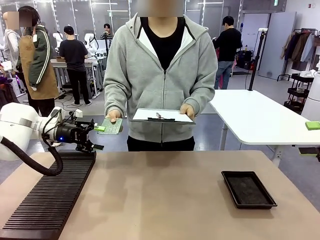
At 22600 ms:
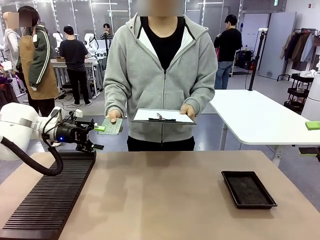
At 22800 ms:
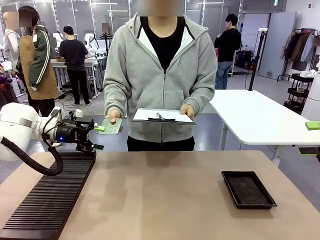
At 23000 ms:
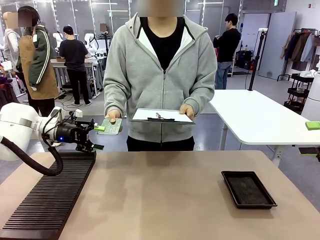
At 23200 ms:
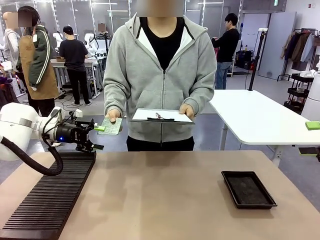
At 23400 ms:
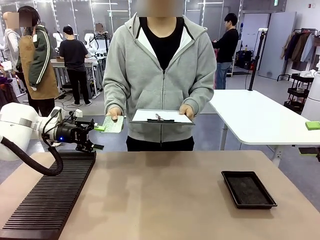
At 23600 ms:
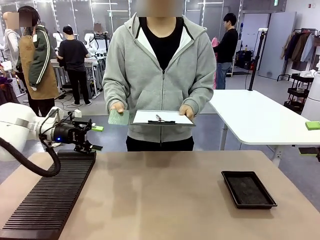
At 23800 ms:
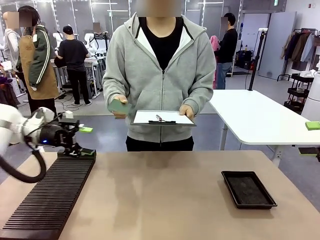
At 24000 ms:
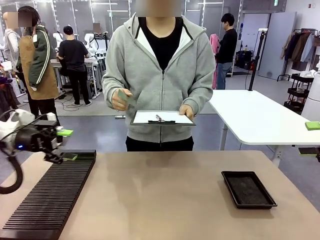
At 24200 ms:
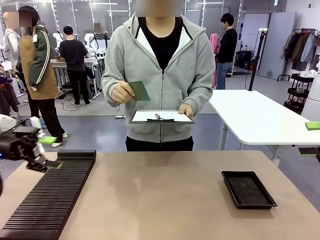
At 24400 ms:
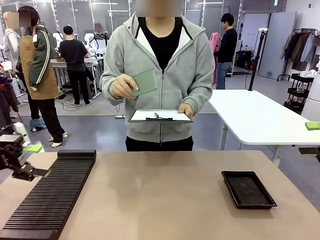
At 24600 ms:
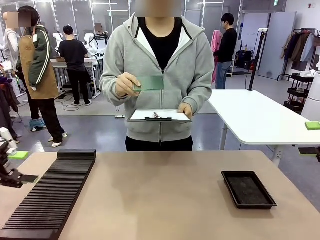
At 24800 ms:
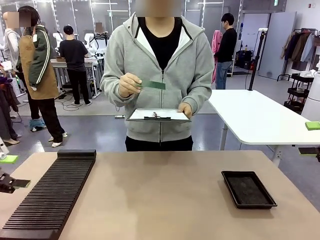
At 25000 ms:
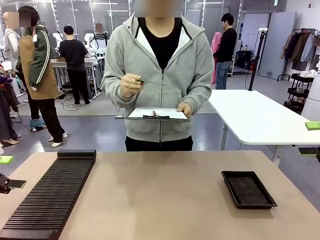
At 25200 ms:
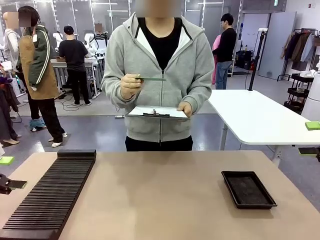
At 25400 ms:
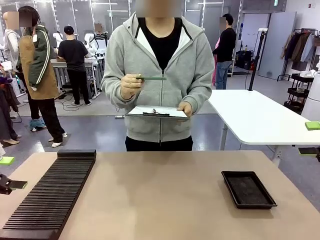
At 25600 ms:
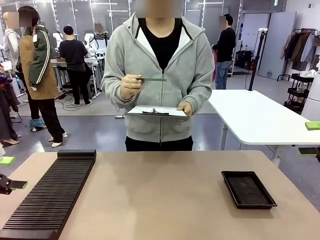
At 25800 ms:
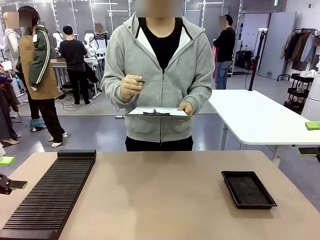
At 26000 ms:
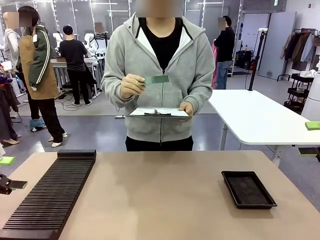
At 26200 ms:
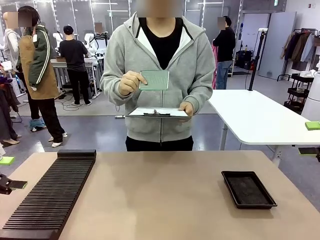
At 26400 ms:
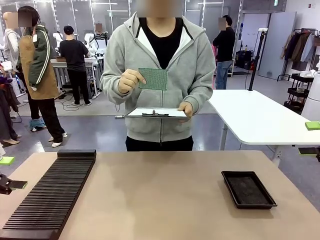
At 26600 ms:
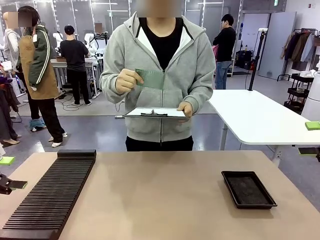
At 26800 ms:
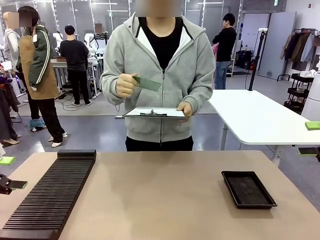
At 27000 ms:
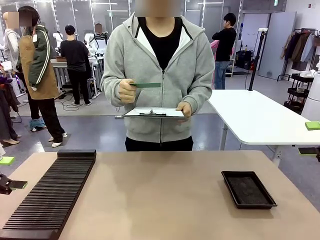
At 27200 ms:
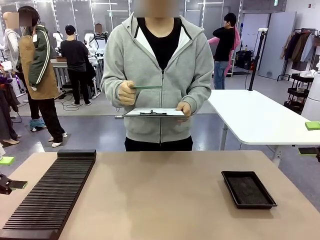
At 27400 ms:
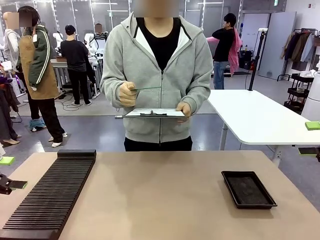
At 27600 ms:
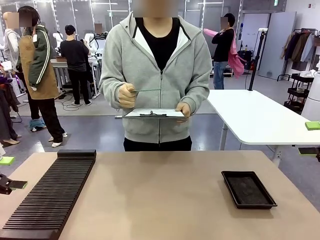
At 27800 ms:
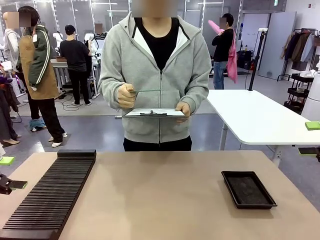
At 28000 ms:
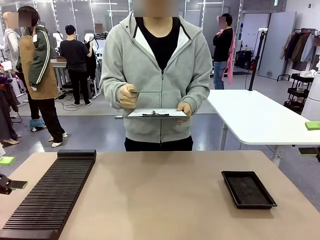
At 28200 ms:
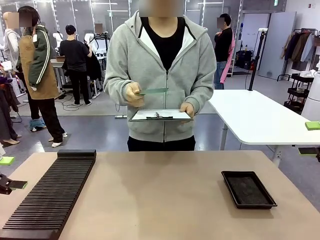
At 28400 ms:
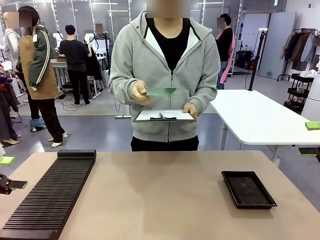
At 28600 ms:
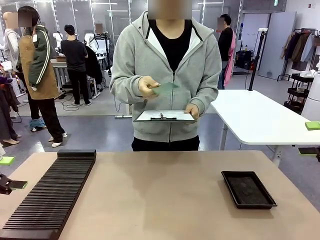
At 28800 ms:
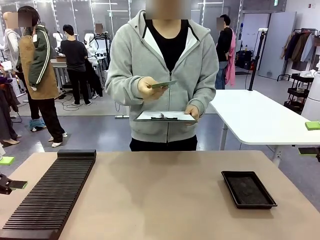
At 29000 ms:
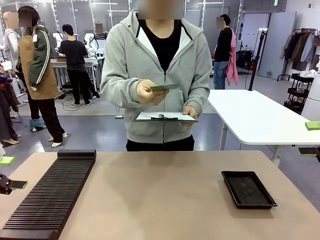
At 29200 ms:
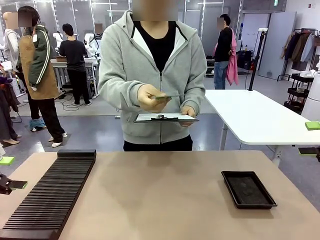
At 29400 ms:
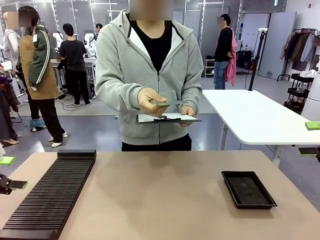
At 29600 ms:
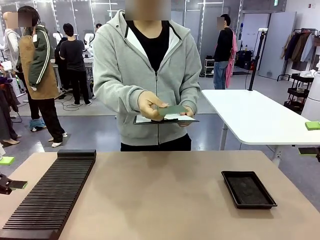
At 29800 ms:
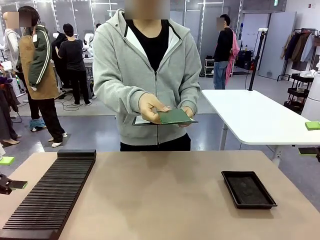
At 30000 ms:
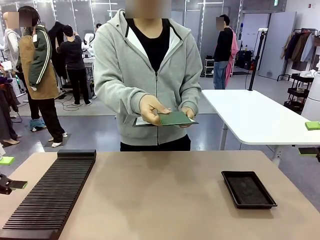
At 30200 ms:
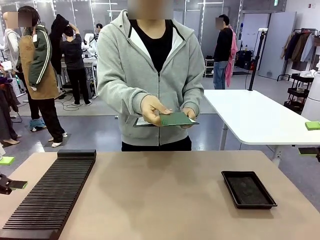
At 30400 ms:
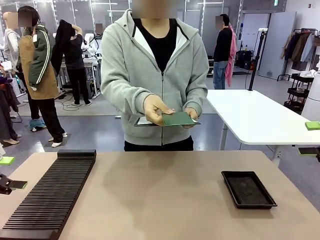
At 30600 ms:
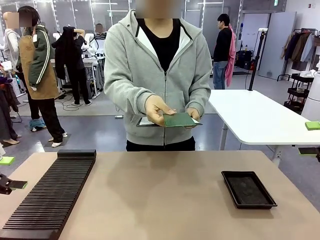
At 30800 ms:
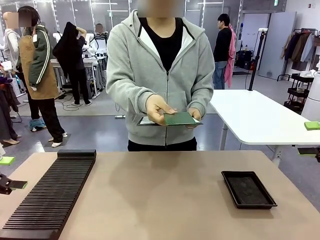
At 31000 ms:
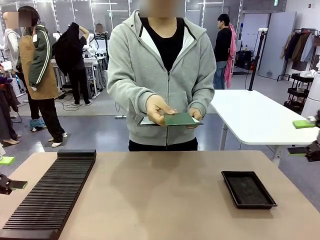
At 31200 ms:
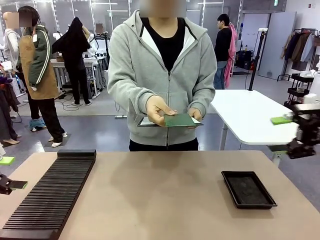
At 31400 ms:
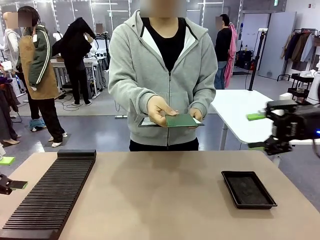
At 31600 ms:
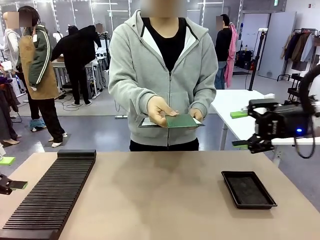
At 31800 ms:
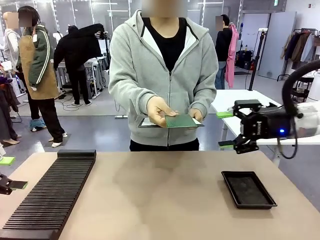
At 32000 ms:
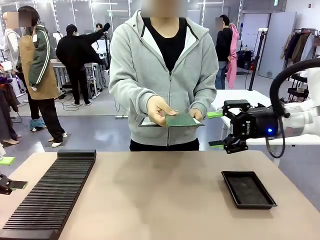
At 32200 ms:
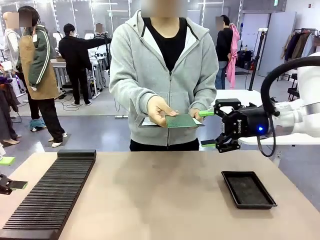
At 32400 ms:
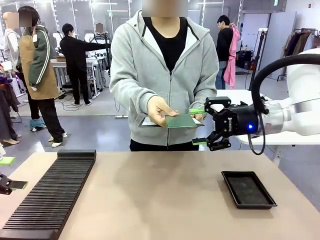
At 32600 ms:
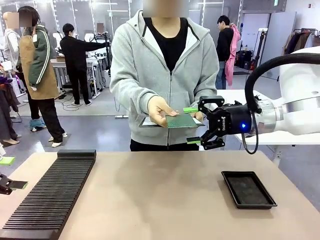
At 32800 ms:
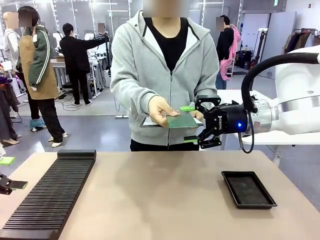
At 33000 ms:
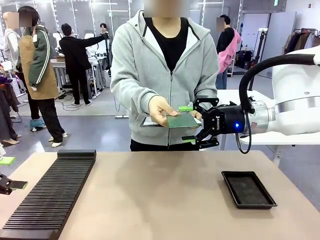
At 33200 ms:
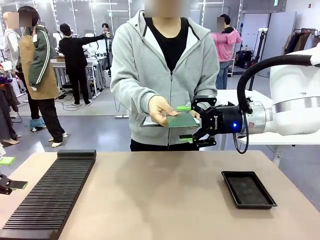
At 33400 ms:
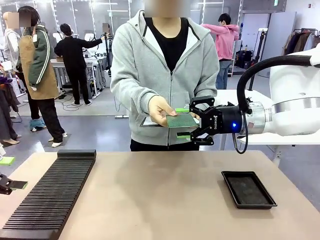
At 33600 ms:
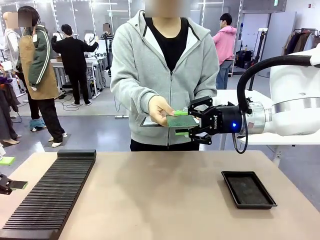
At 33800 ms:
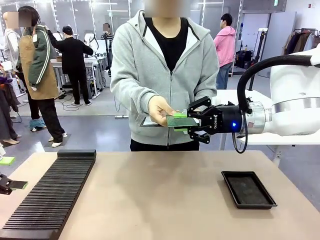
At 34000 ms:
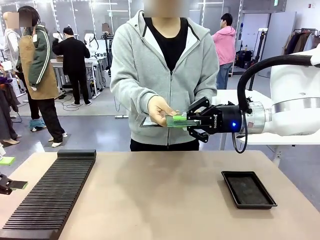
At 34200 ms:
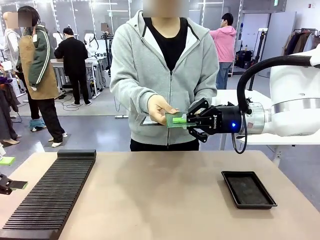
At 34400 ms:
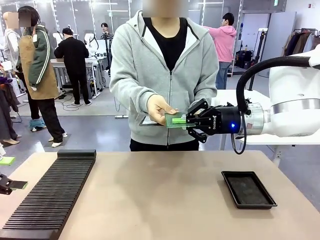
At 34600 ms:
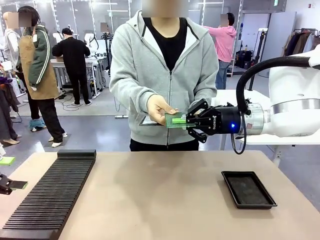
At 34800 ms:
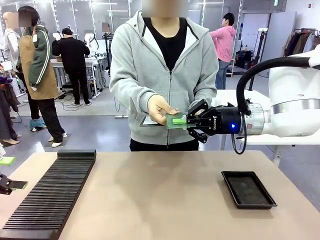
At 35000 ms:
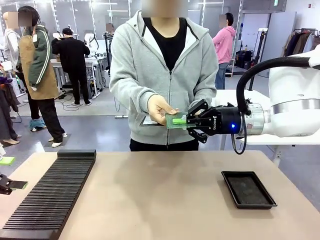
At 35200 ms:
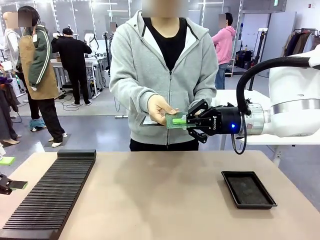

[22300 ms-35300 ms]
Task: Inspect the PCB.
Robot: Pick up the Blank PCB that the human is holding.
Person: Inspect the PCB placed by the robot, then hold it out in front of the robot. Release the PCB you were holding.

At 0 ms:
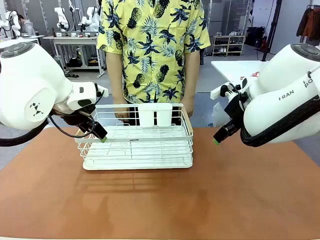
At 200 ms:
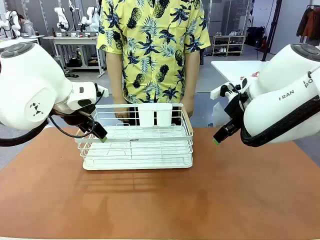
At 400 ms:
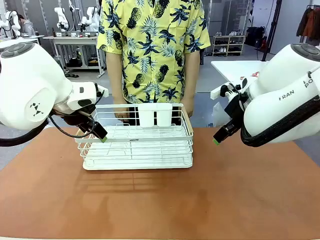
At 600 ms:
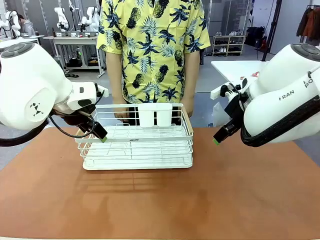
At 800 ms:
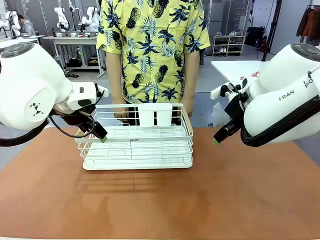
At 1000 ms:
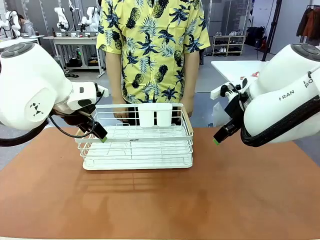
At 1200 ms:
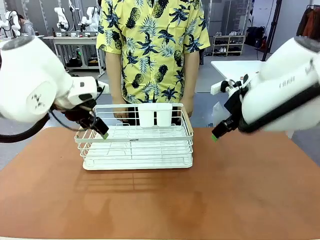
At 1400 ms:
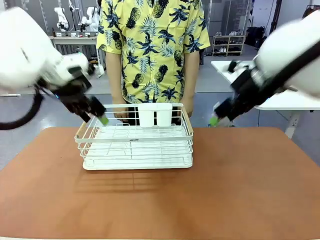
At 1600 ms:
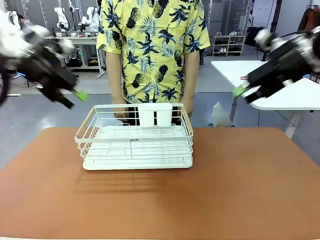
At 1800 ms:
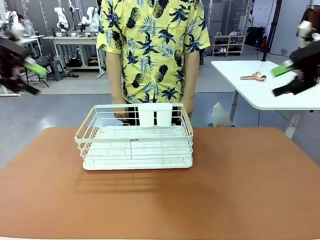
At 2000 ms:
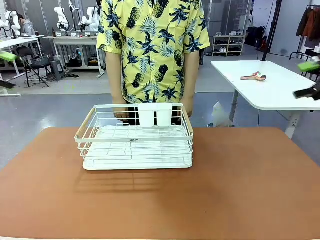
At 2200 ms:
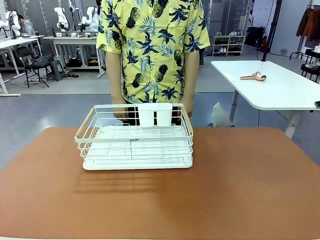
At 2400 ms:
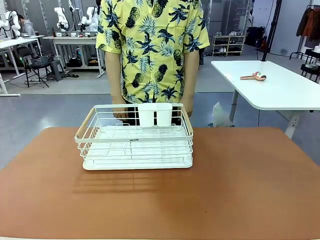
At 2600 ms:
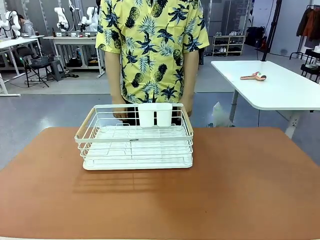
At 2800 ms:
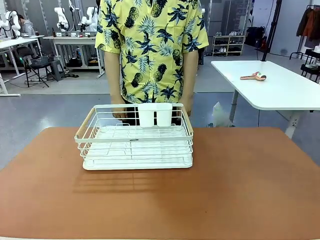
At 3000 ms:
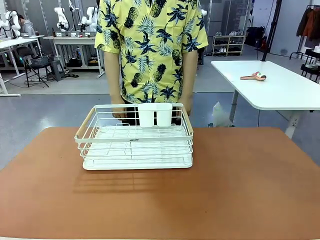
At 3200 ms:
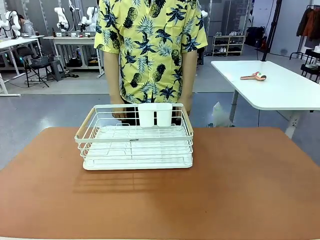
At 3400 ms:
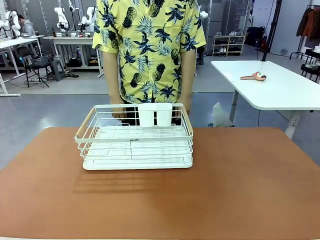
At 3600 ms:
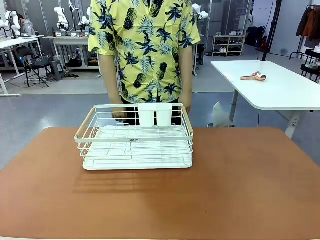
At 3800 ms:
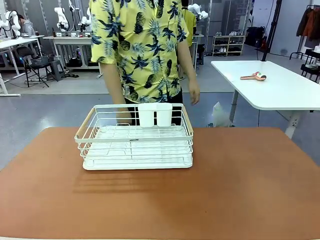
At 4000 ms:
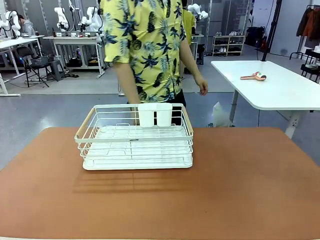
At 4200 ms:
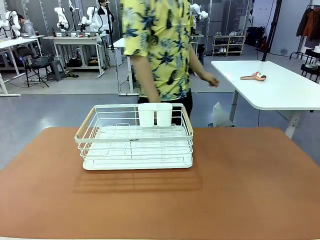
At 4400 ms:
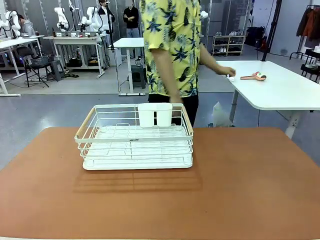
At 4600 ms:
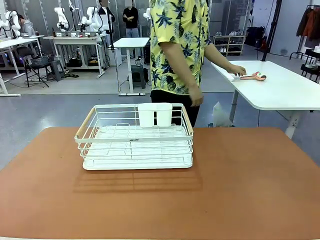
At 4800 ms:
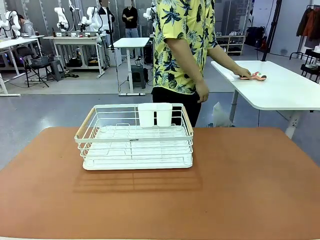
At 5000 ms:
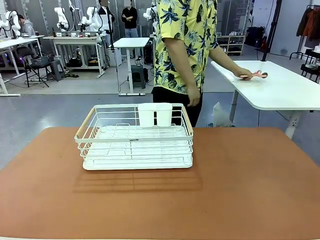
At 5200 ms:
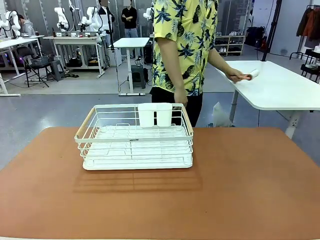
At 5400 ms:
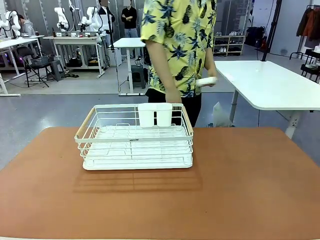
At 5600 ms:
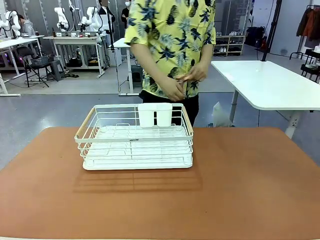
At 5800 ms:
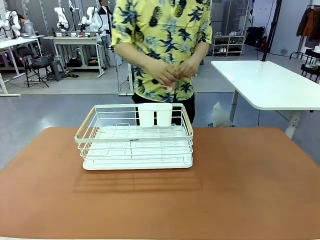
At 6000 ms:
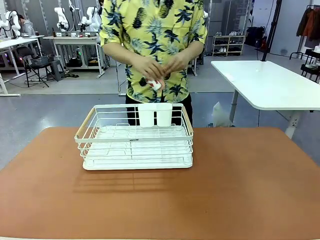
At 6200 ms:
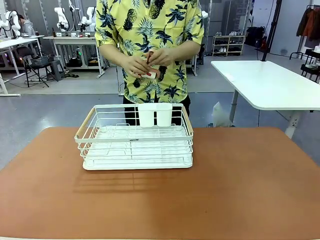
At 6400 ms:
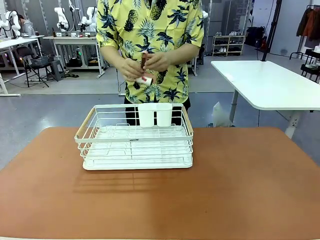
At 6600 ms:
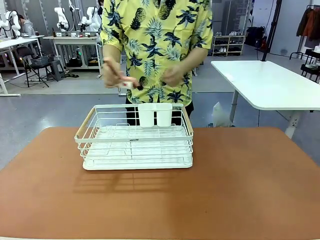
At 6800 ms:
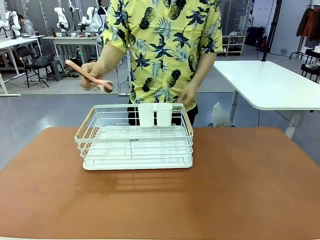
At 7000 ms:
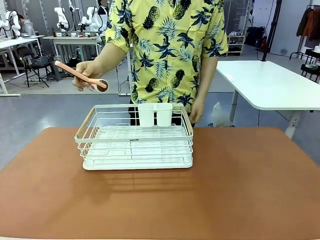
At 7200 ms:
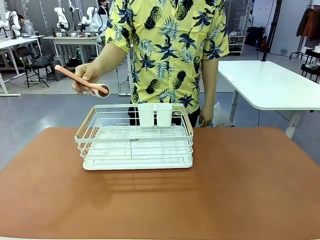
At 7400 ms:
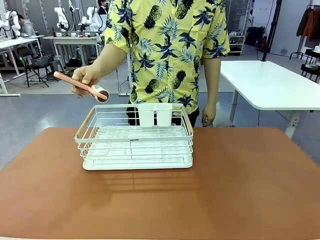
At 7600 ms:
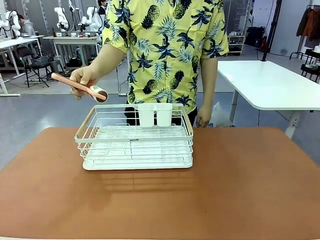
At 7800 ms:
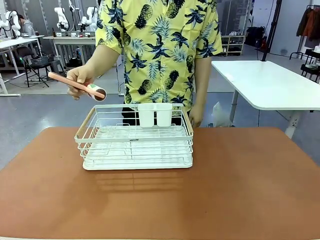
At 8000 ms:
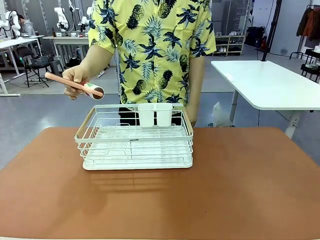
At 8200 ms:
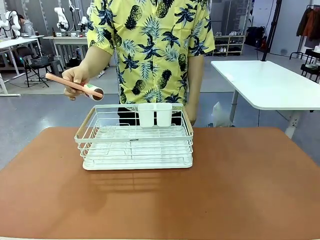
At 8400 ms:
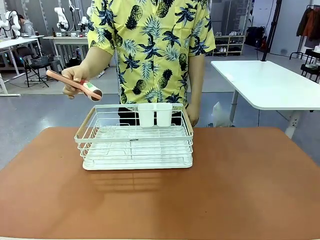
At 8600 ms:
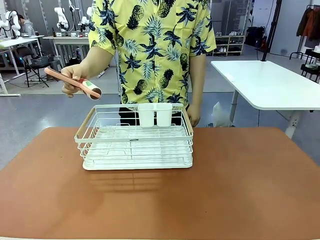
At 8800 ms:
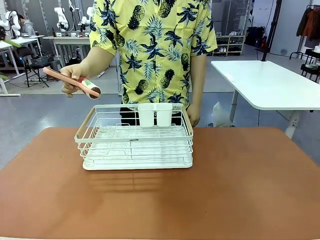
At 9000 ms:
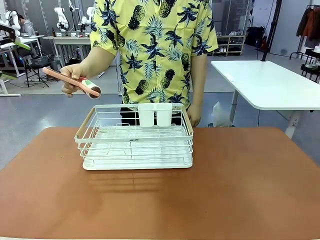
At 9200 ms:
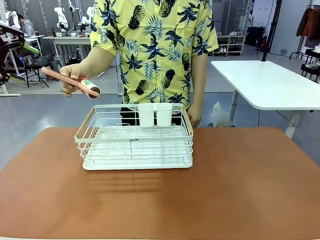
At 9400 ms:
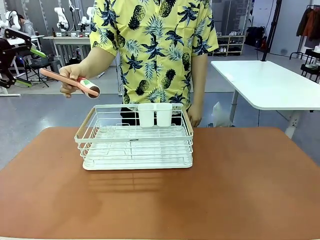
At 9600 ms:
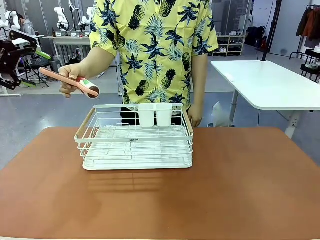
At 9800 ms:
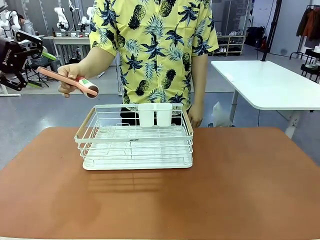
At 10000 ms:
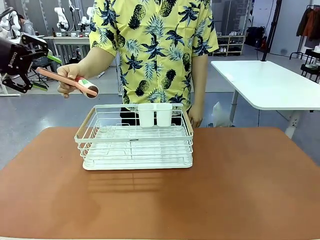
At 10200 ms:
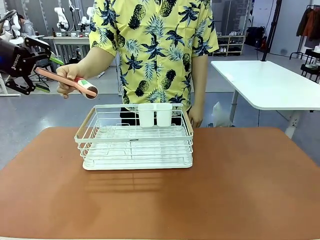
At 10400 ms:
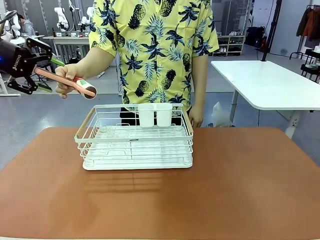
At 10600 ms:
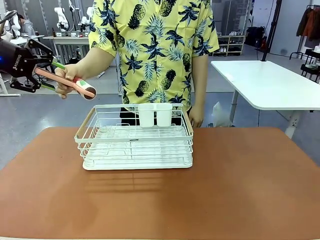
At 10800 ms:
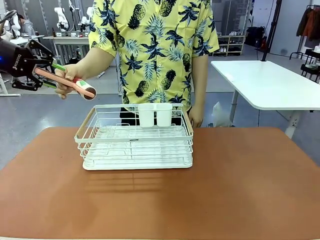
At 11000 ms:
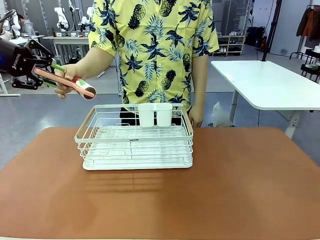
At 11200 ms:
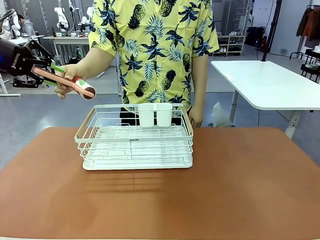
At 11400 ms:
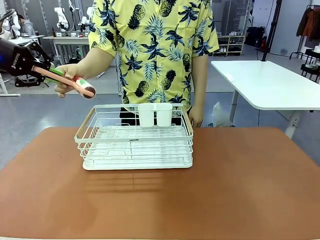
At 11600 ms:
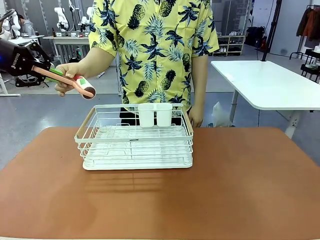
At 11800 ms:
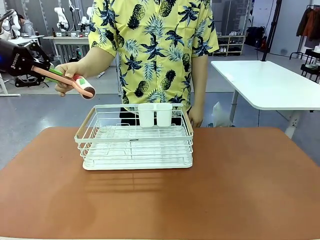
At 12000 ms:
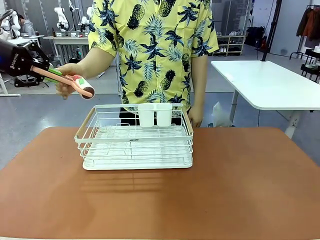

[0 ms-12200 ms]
Task: Clean the table.
Robot: Pick up the Lint Roller when the human hands it over.
Person: Hand the Lint Roller to the robot so it can easily pick it up. Lift the Dish drying rack.
